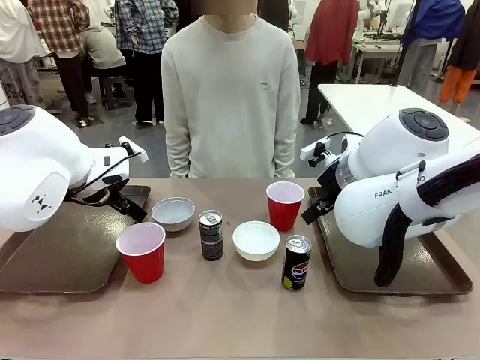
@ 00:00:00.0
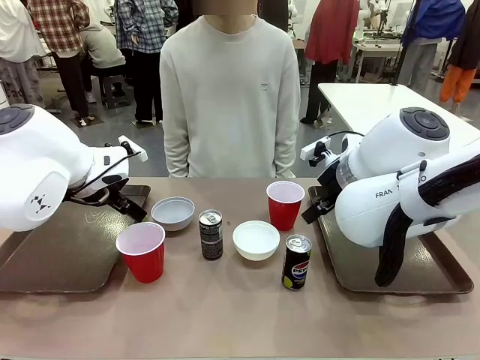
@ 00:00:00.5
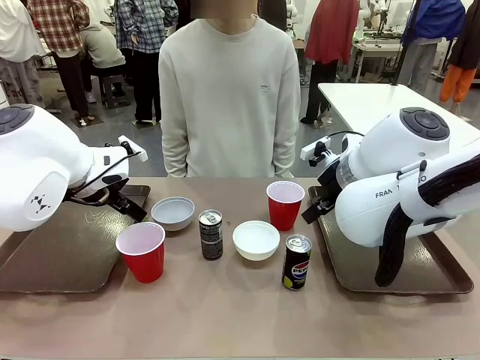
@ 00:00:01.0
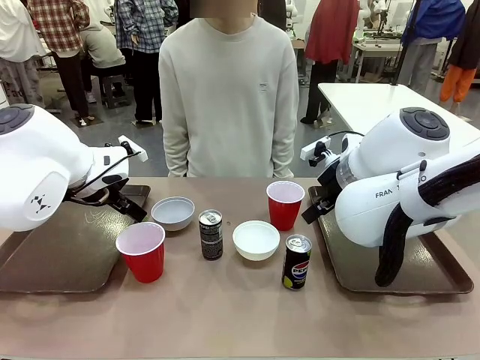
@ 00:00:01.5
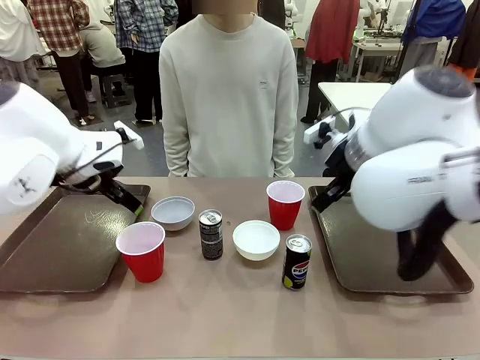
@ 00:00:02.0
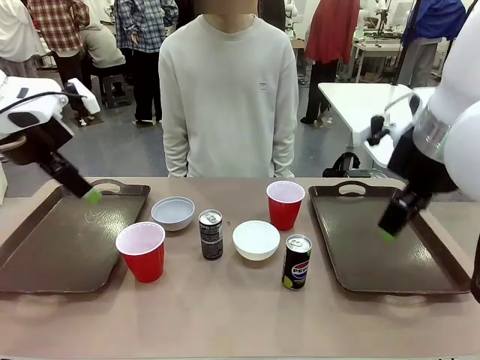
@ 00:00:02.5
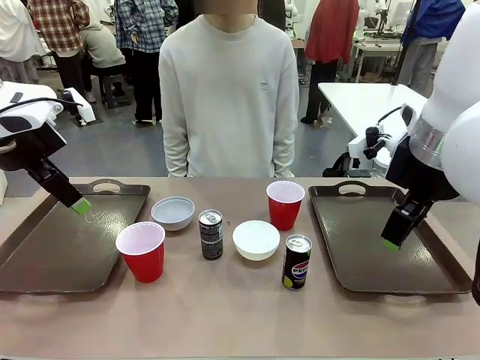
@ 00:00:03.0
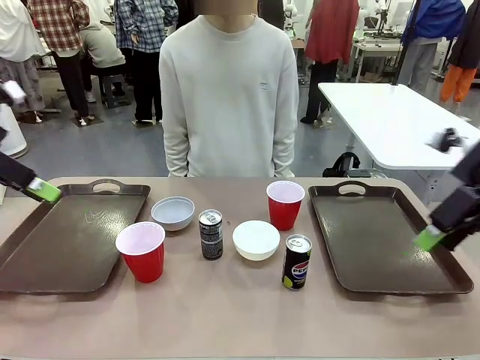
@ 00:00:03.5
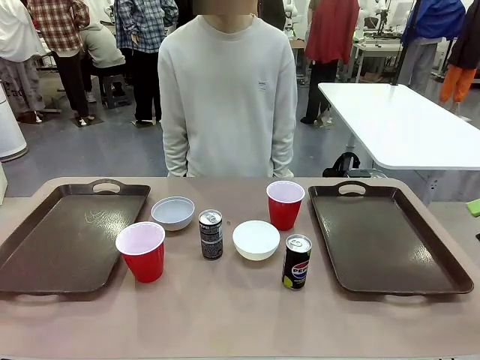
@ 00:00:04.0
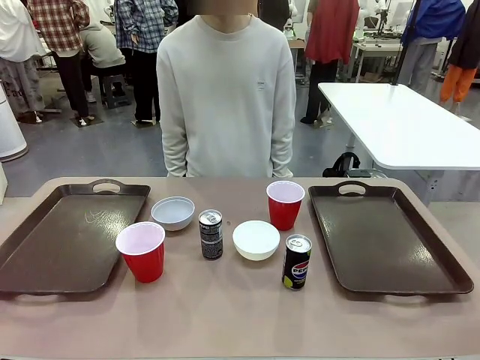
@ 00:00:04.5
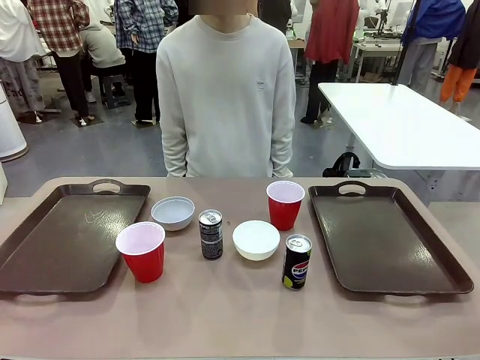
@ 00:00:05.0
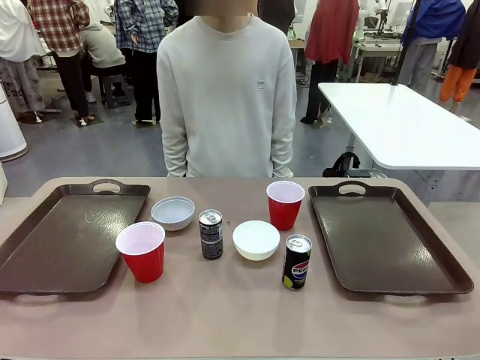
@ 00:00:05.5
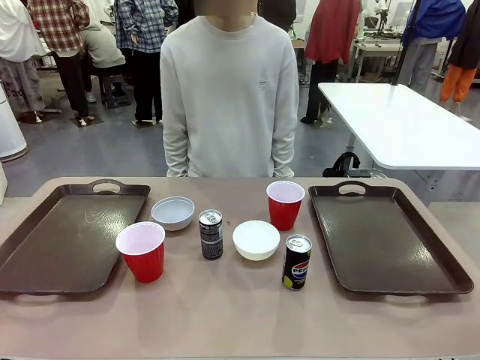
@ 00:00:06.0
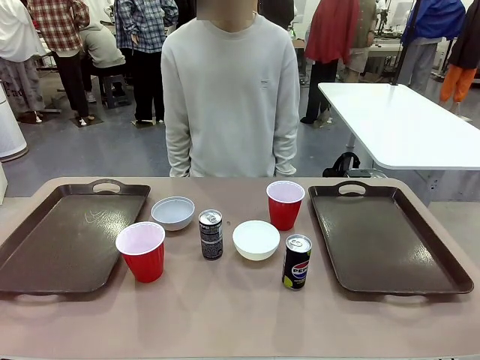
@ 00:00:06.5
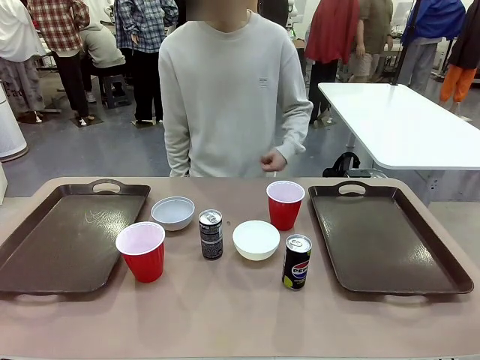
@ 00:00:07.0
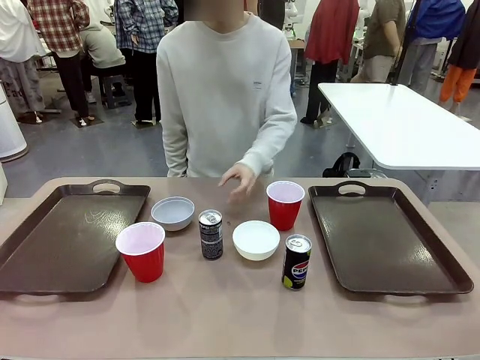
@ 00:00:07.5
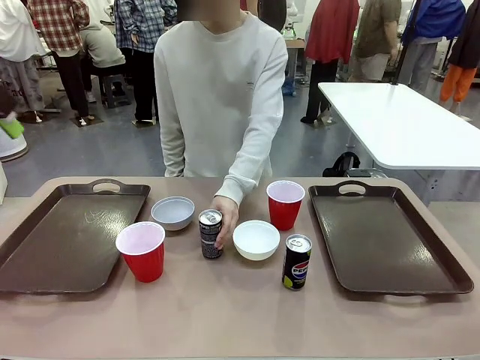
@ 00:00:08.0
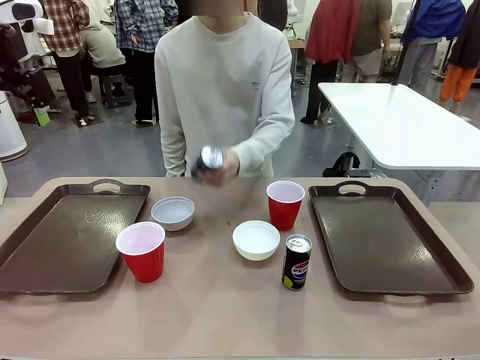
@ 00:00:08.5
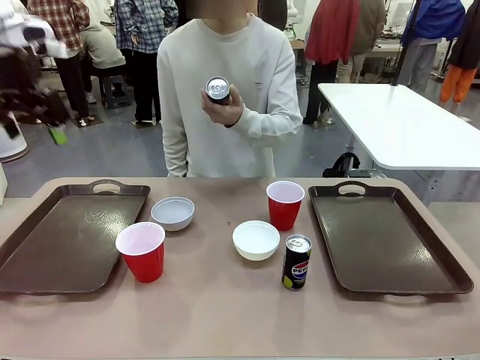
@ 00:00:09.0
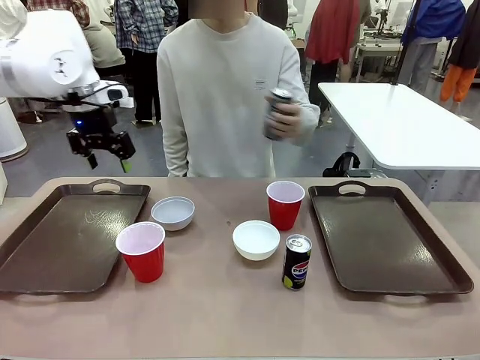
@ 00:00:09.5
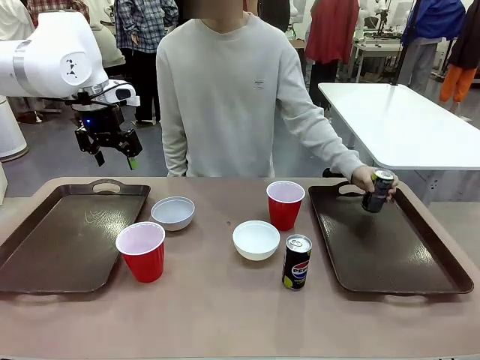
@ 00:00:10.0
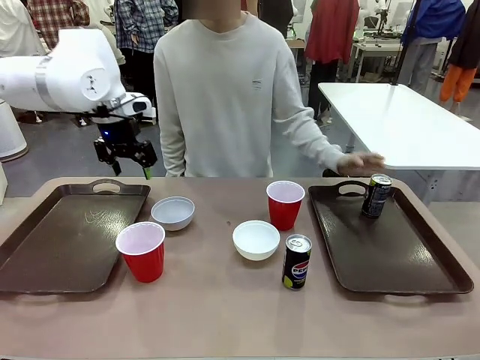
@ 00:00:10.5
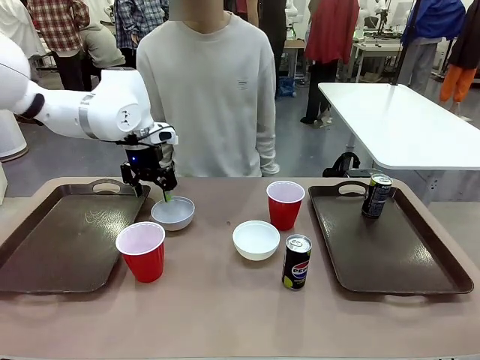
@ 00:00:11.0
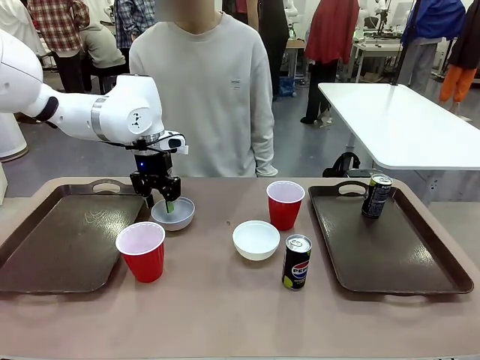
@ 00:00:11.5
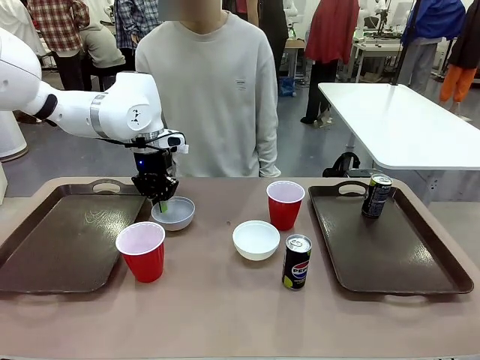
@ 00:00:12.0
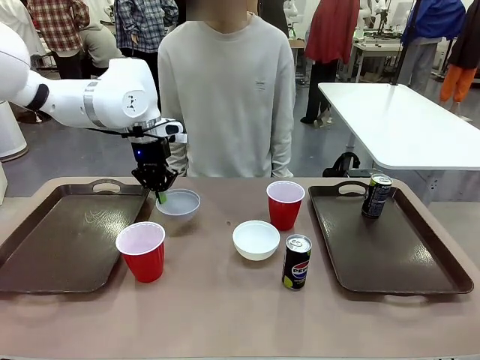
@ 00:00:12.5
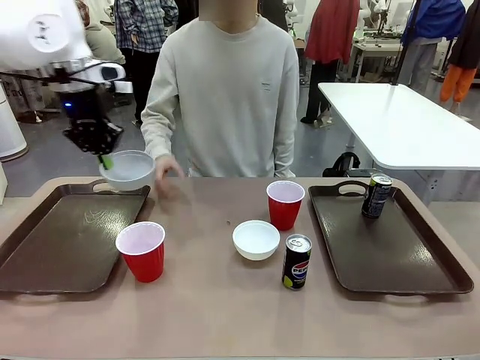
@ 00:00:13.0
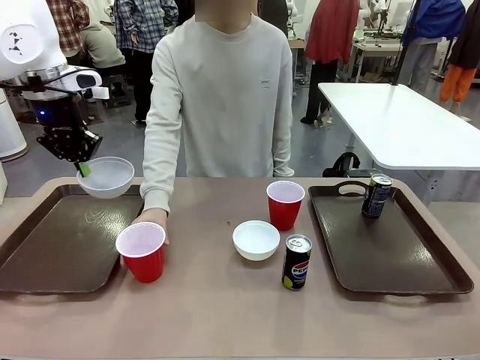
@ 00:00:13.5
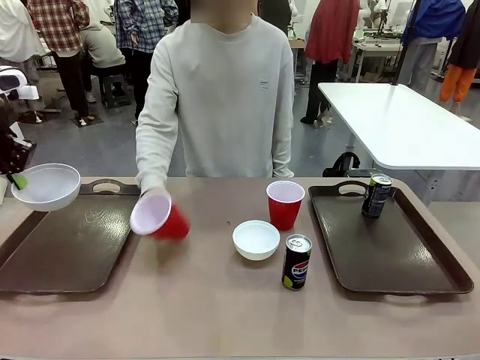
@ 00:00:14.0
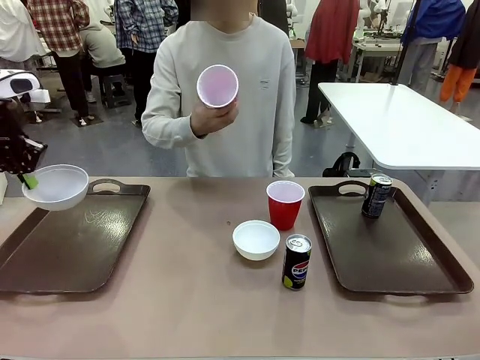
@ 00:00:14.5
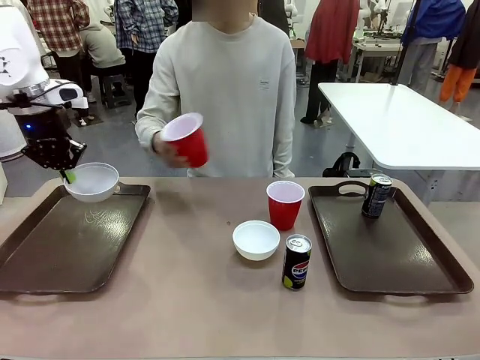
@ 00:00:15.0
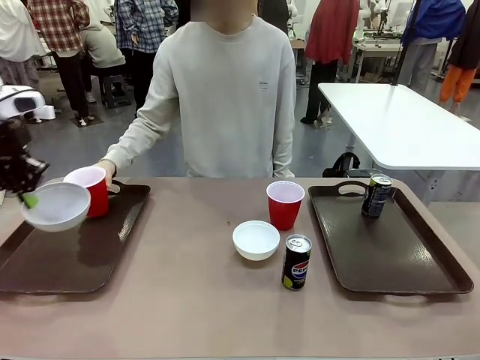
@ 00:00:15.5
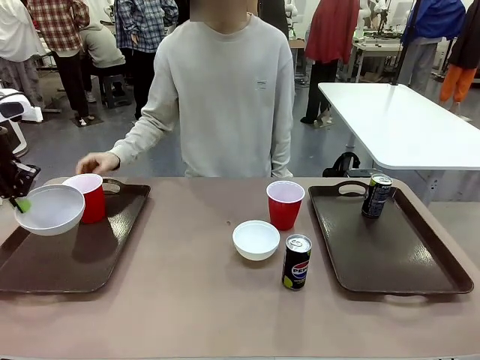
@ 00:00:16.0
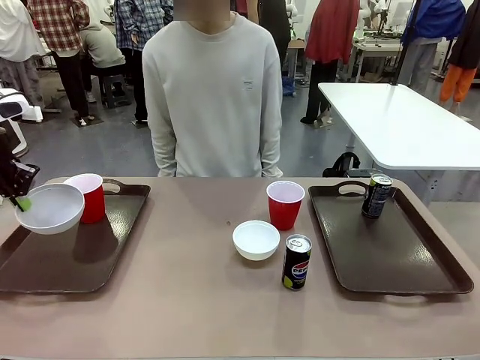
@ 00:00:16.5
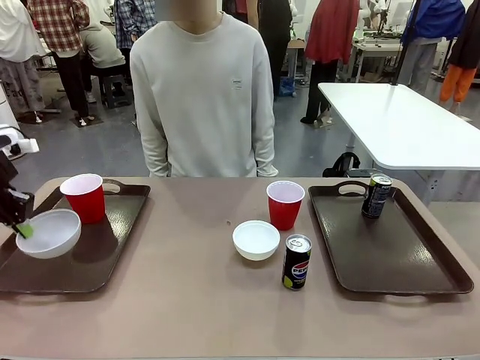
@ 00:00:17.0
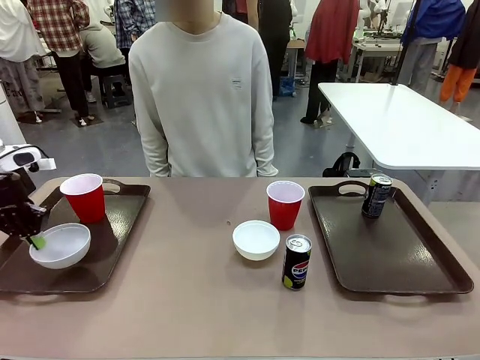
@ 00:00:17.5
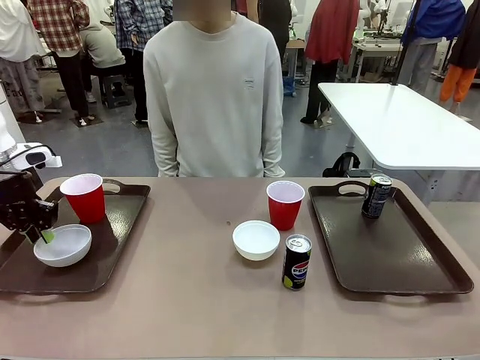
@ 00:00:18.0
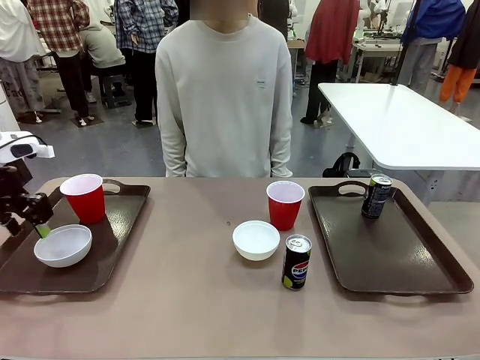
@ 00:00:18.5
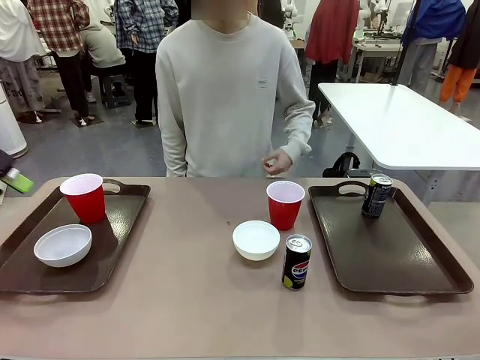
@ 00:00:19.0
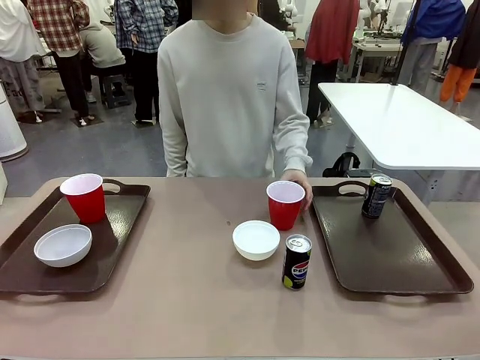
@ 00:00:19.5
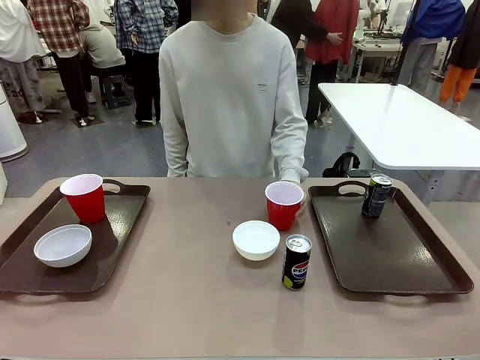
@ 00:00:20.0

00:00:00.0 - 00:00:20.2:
Task: Prepare tableware on both trays.
Robot: Pick up a Picnic Bowl from the table and place it on a Handle tray.
Person: Pick up a can or cup and place it on the tray.
